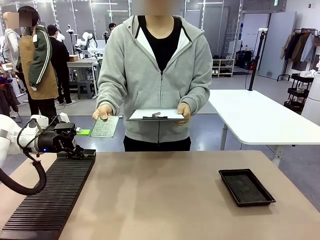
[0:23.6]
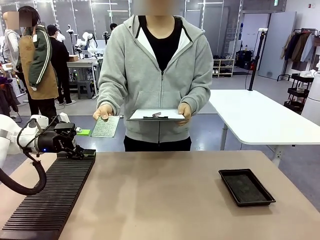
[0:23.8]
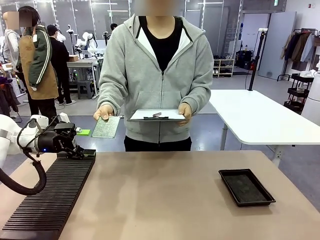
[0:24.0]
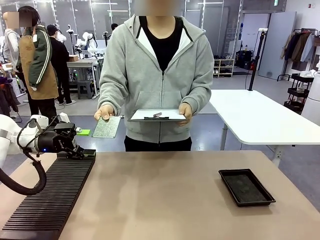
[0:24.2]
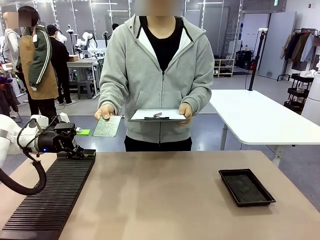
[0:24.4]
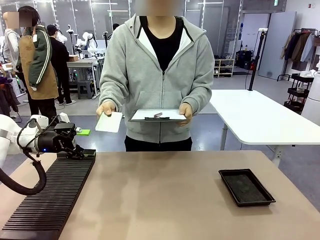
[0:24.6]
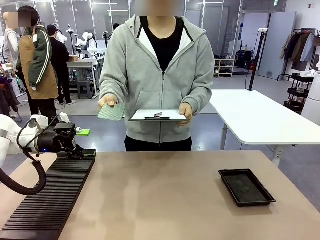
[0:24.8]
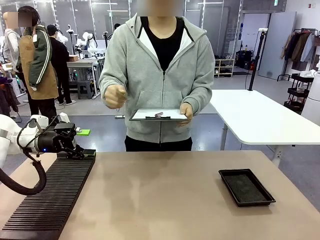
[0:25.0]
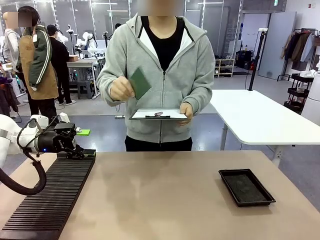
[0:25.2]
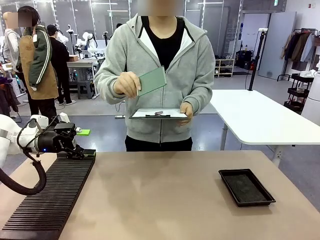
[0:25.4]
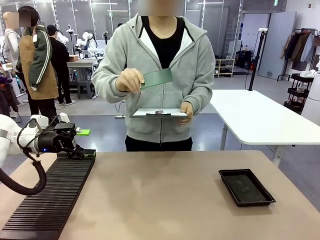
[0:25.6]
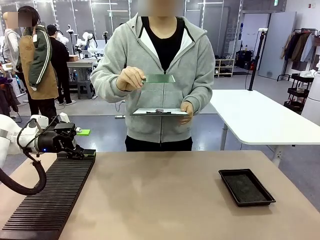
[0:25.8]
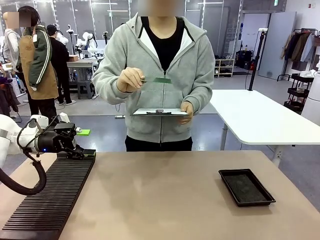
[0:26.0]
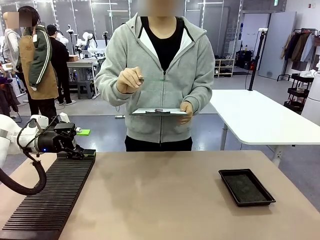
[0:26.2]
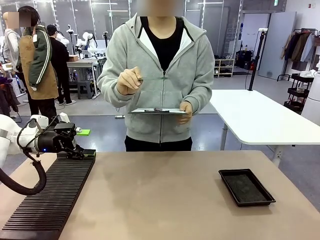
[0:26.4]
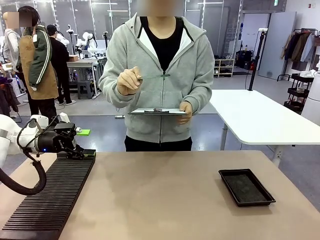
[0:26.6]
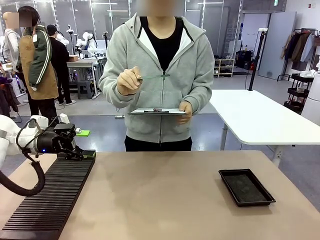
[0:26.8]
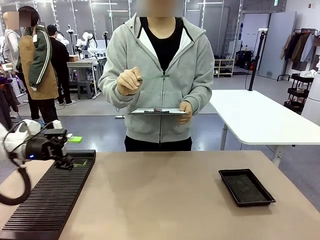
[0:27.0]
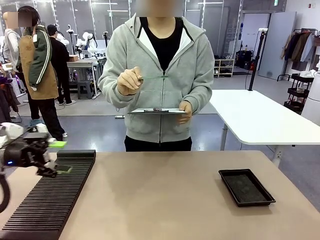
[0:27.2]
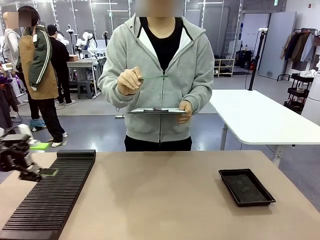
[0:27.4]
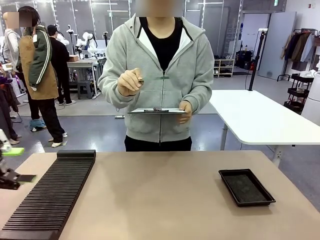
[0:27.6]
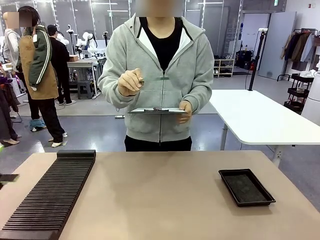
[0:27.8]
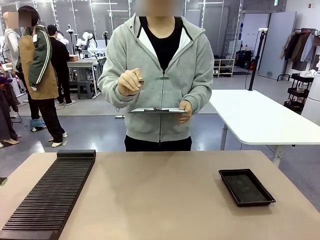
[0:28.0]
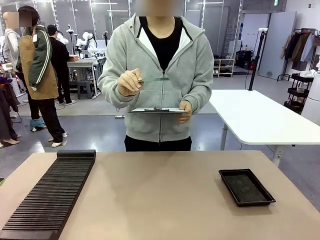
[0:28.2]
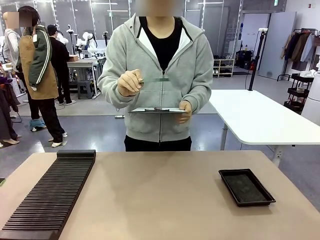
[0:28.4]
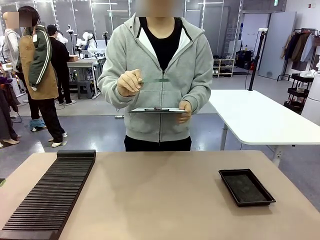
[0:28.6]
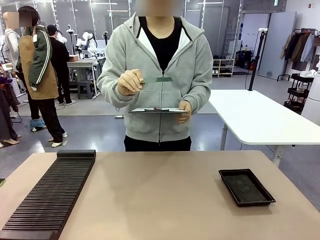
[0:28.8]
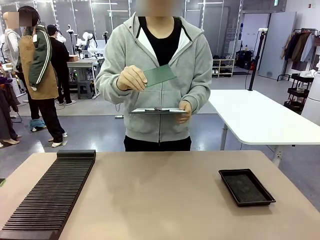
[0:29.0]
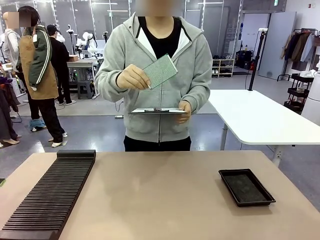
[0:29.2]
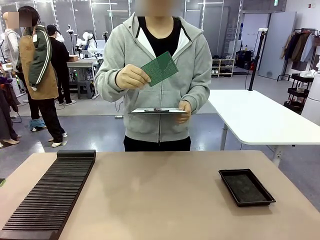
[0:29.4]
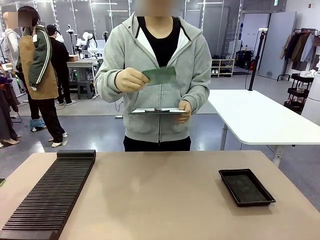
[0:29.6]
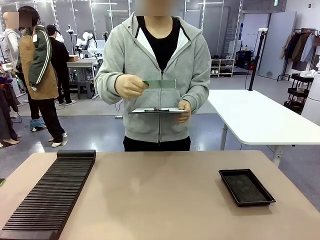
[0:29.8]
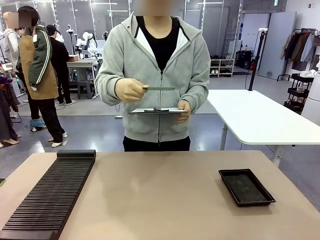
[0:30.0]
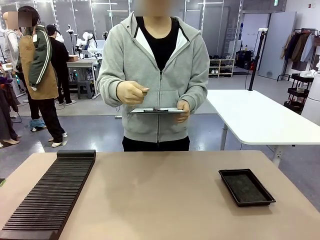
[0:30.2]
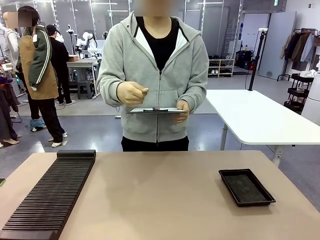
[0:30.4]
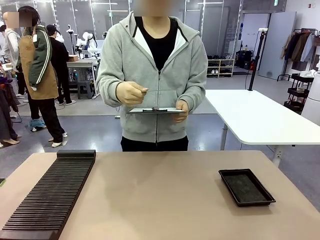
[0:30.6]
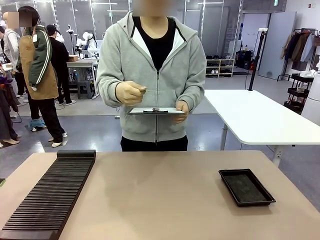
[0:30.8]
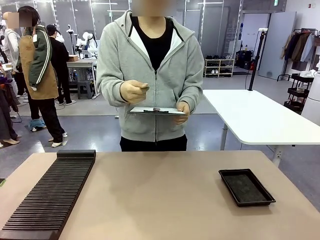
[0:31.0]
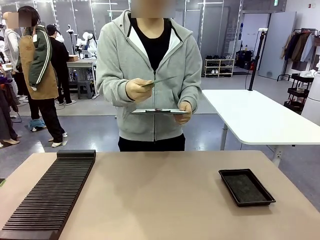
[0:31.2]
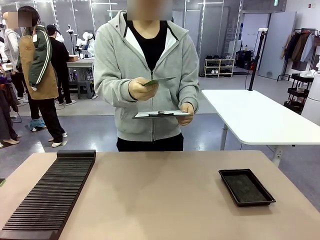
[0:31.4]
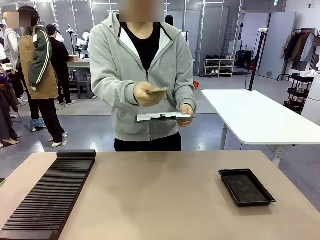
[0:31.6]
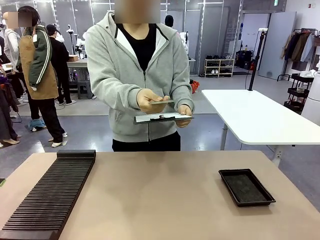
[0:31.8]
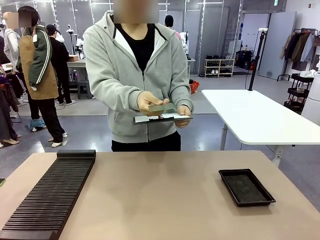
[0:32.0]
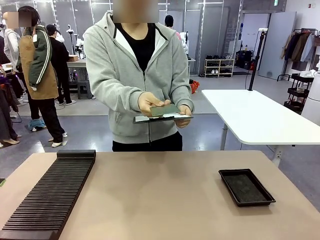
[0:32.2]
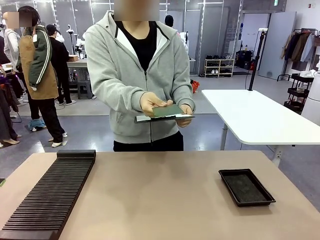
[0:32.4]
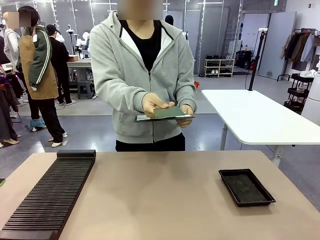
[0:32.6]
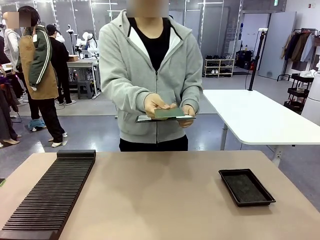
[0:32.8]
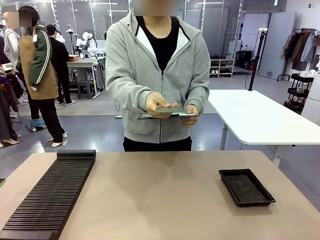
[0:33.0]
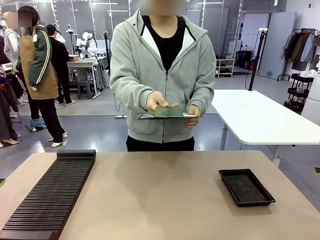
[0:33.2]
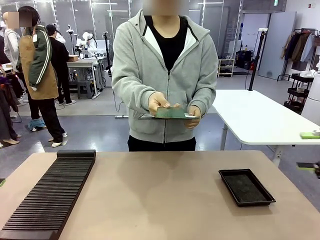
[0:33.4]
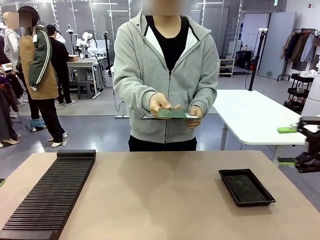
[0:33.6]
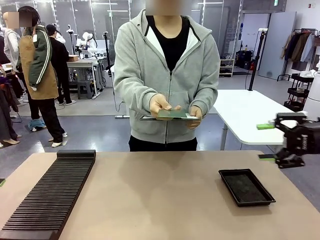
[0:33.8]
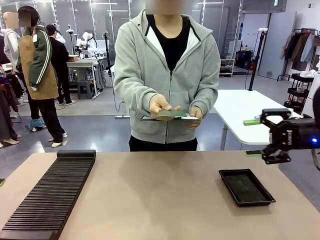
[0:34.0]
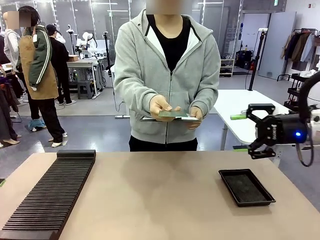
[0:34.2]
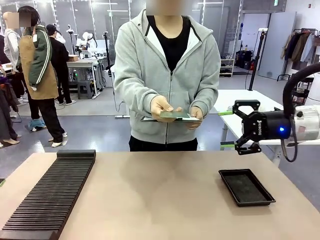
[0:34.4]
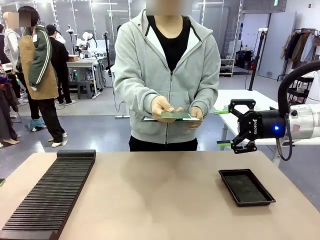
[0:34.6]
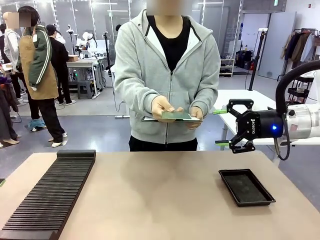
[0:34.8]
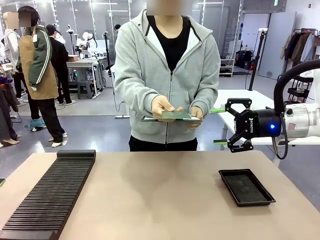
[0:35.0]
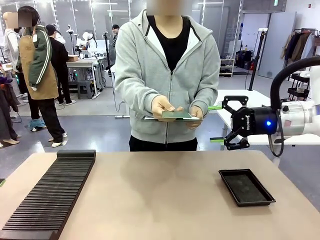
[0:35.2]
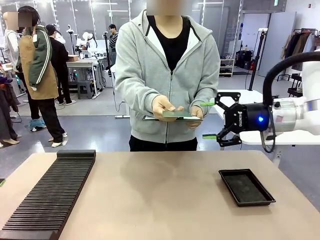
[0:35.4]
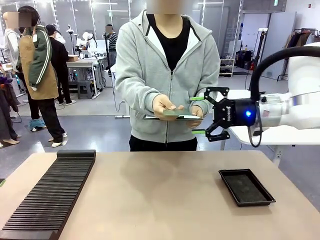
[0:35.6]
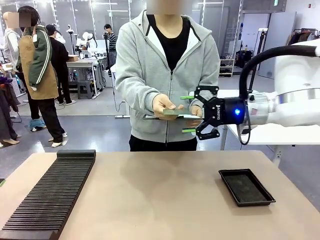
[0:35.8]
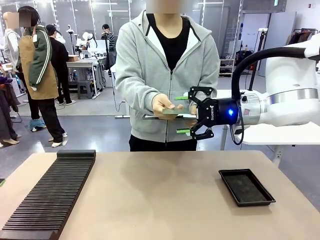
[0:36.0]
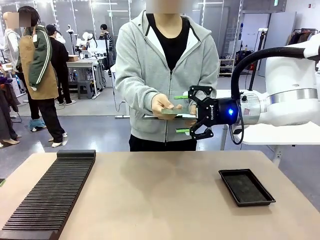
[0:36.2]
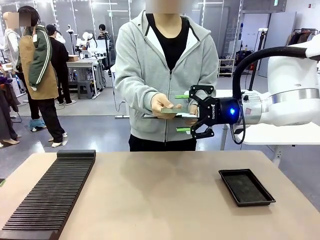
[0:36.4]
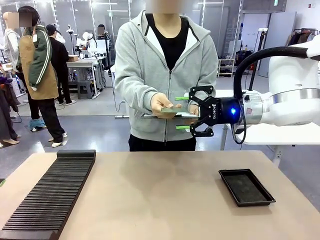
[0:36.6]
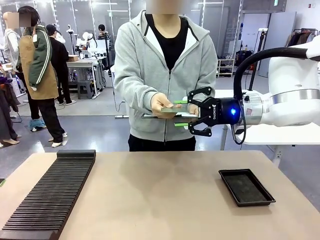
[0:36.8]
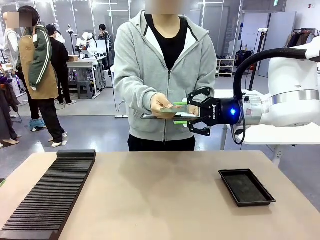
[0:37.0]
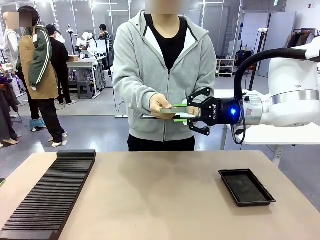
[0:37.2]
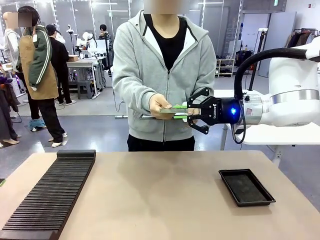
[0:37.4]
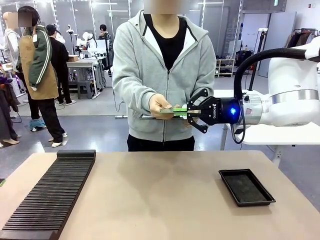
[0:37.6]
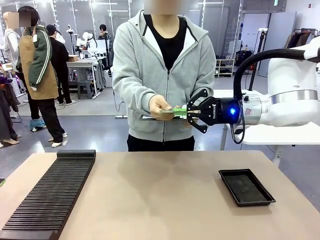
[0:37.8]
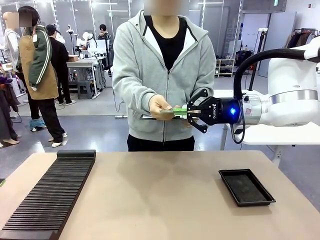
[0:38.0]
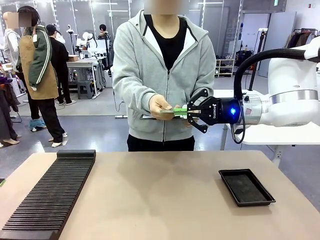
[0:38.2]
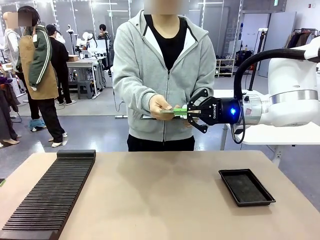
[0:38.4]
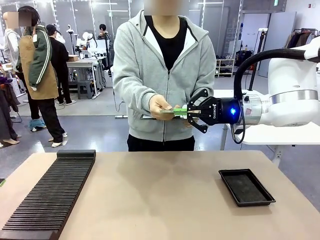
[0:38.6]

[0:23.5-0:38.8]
Task: Inspect the PCB.
Robot: Pick up the Blank PCB that the human is holding.
Person: Inspect the PCB placed by the robot, then hold it out in front of the robot. Release the PCB you were holding.

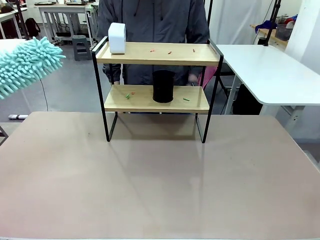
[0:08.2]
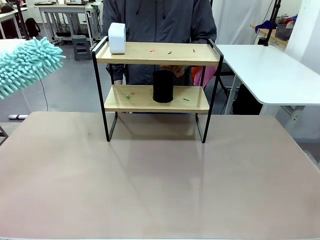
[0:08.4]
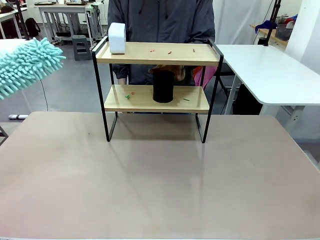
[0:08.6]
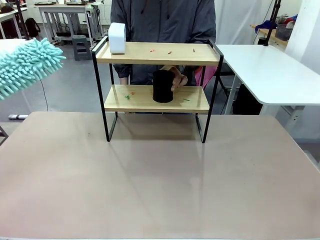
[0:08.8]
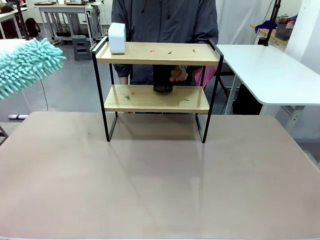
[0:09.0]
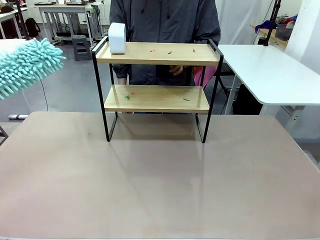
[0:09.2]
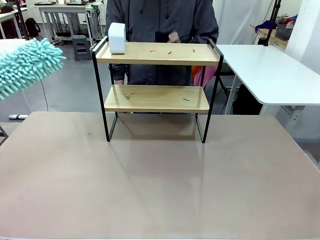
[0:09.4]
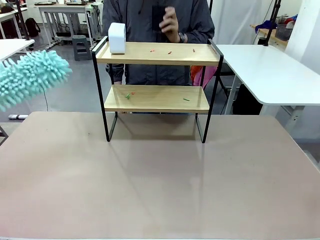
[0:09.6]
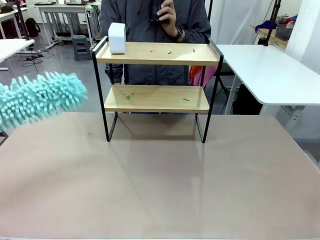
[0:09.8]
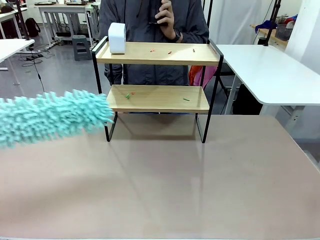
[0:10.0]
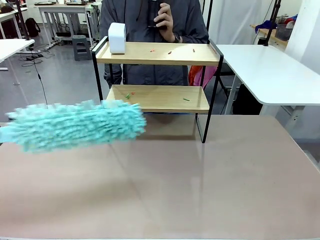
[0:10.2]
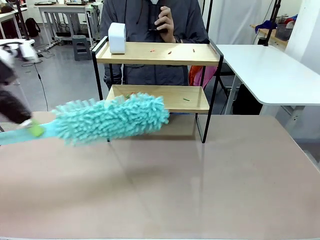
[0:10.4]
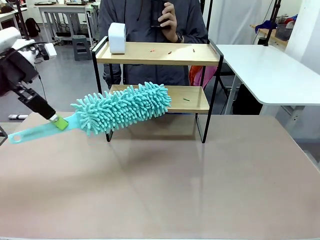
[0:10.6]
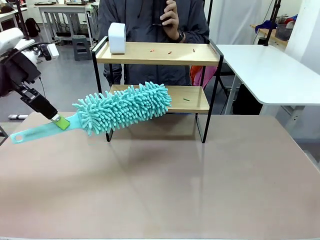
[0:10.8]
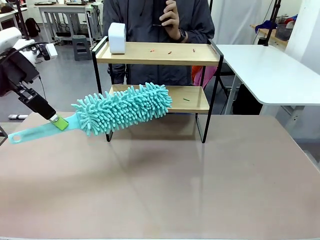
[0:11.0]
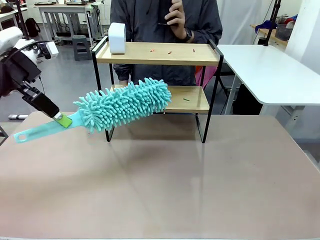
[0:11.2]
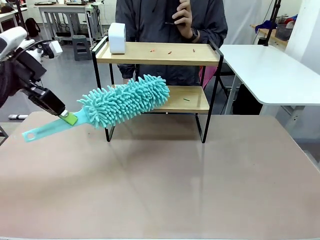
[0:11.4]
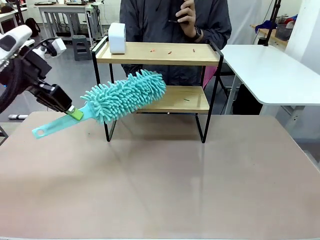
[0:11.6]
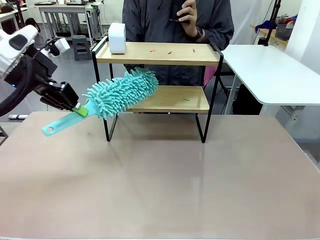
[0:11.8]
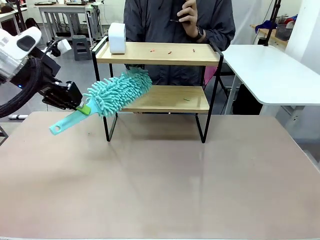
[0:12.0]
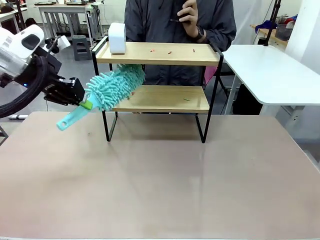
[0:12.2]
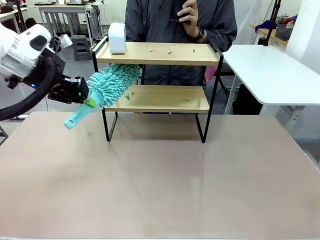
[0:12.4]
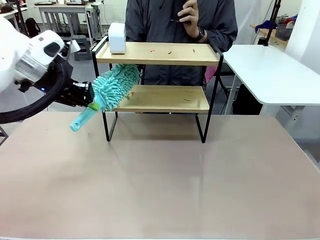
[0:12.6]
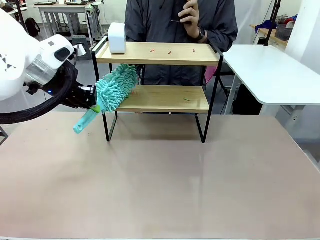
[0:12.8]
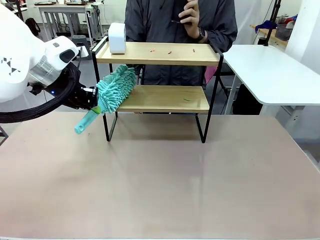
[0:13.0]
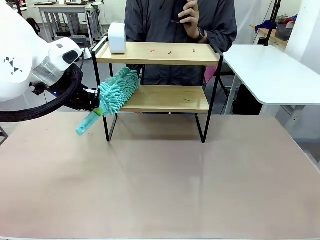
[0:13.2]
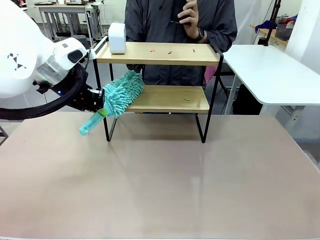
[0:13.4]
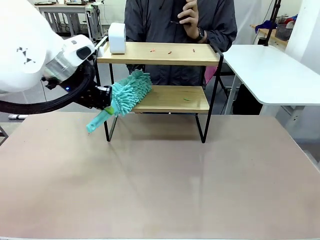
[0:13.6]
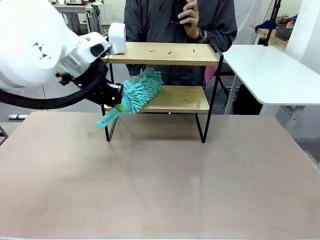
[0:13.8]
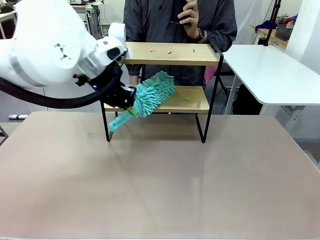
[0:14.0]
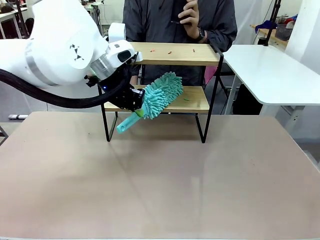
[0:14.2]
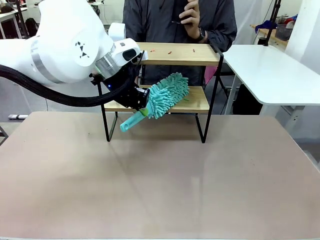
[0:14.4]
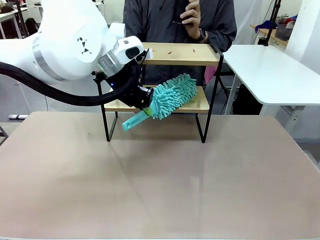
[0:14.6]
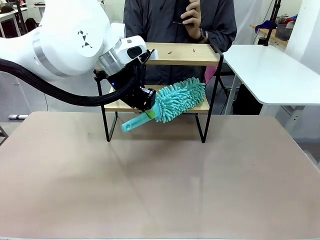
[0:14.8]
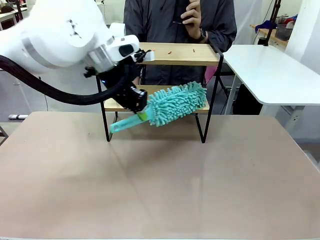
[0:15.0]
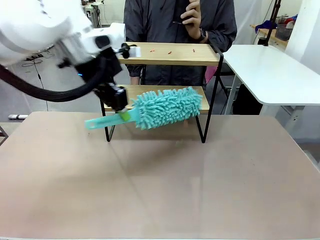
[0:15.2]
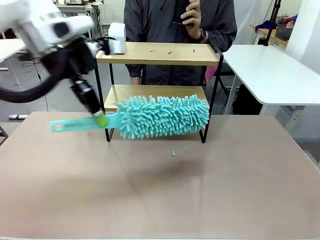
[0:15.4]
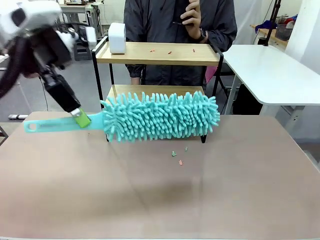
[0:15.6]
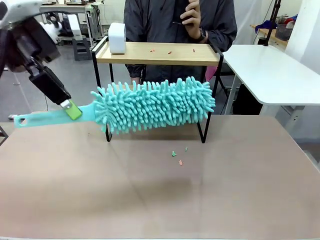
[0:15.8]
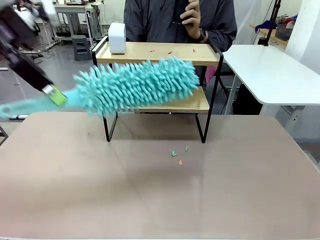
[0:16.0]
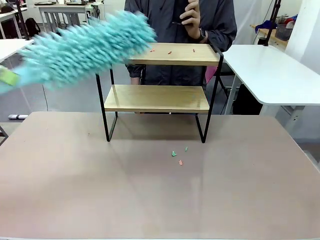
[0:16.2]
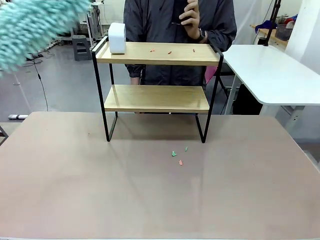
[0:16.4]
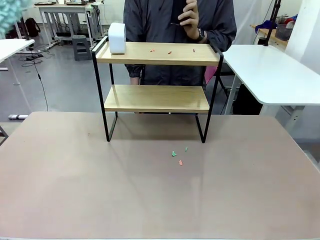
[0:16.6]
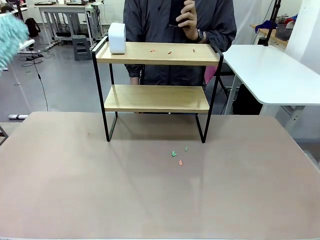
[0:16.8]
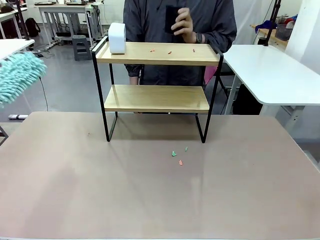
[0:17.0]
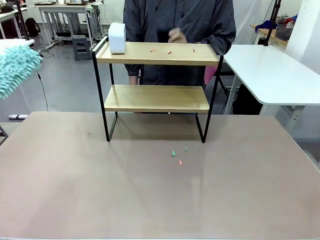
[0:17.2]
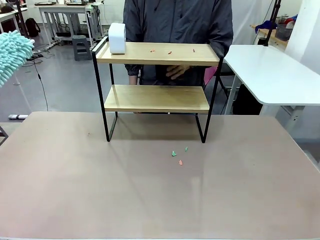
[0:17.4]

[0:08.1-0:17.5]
Task: Clean the shelf.
Robot: Clean the specific tier of the Shelf with the Duster once objects are removed.
Person: Lift the objects on a randomly selected tier of the Shelf. Once the robot finishes cleaning, lift the objects on the remaining tiers of the Shelf.
